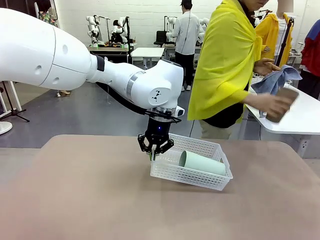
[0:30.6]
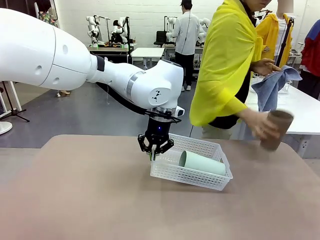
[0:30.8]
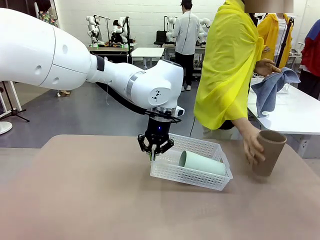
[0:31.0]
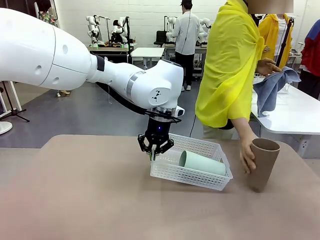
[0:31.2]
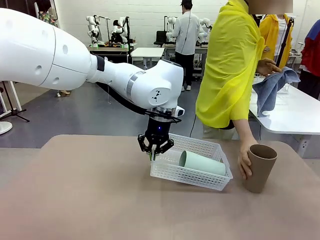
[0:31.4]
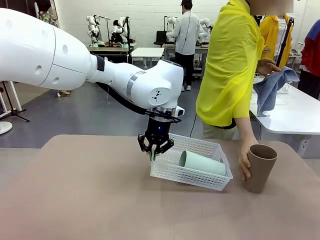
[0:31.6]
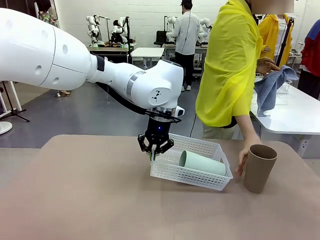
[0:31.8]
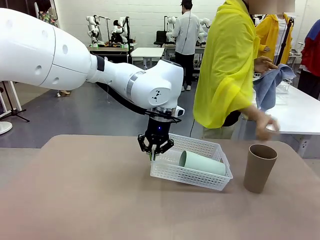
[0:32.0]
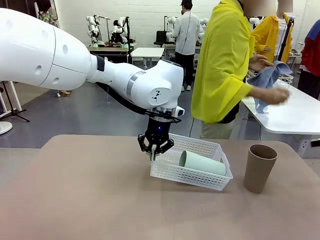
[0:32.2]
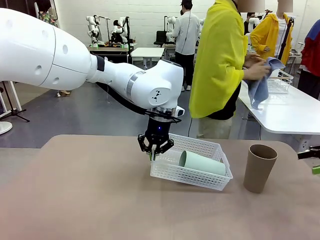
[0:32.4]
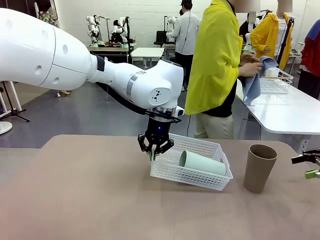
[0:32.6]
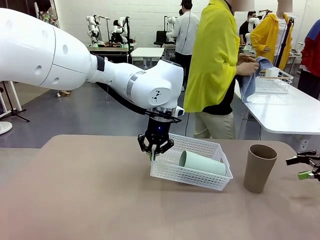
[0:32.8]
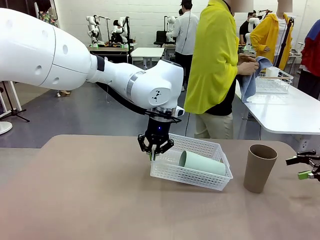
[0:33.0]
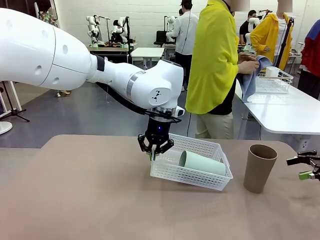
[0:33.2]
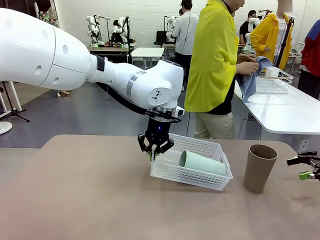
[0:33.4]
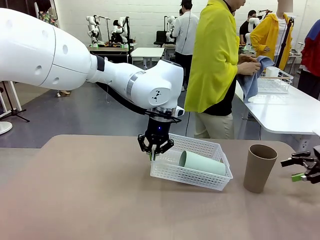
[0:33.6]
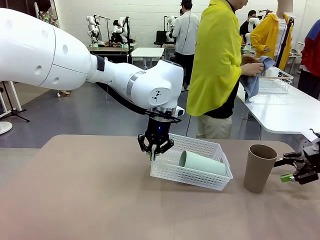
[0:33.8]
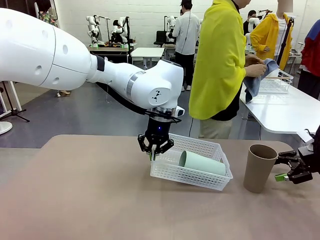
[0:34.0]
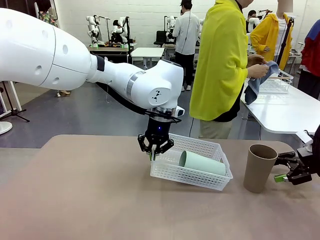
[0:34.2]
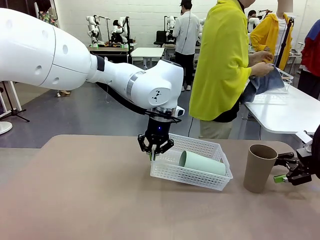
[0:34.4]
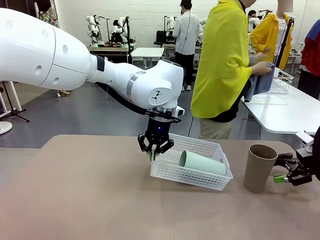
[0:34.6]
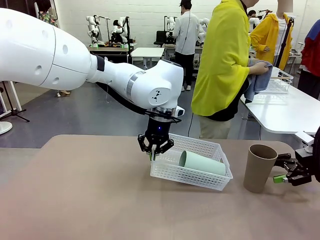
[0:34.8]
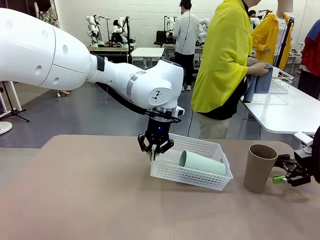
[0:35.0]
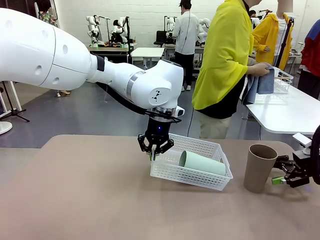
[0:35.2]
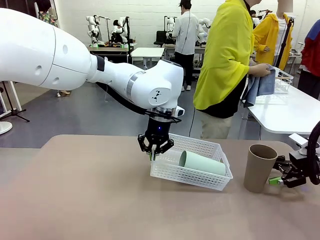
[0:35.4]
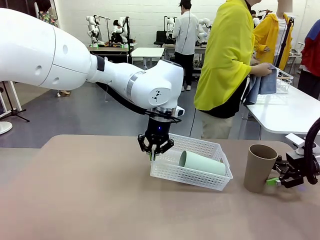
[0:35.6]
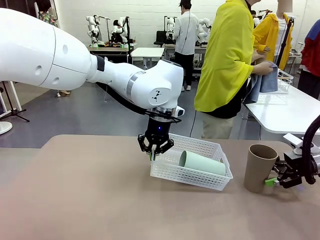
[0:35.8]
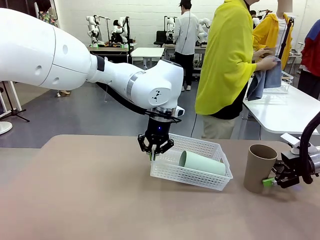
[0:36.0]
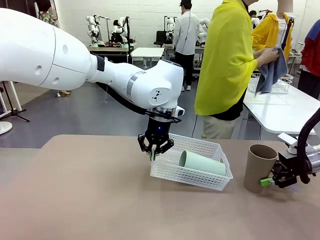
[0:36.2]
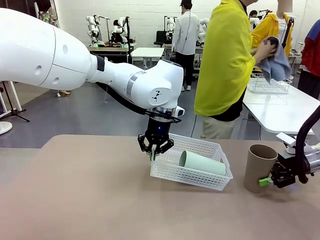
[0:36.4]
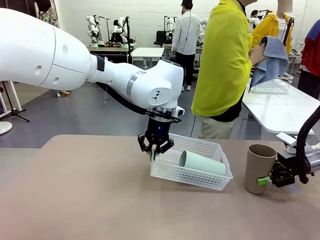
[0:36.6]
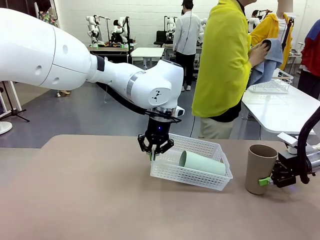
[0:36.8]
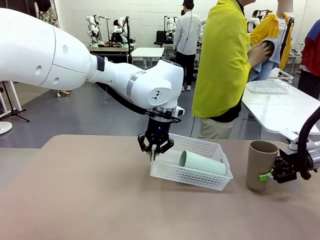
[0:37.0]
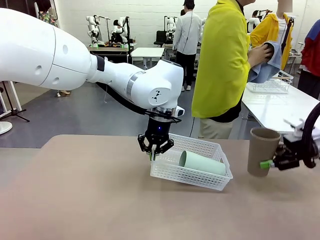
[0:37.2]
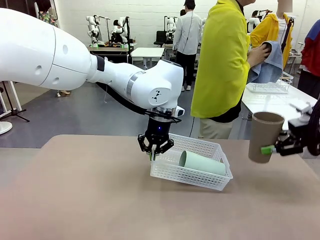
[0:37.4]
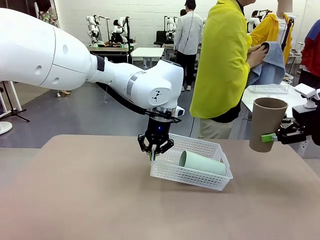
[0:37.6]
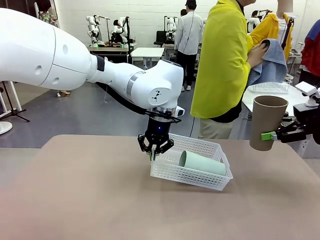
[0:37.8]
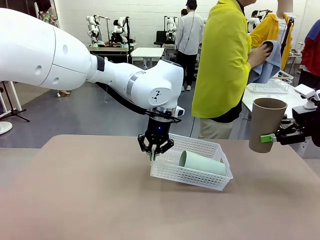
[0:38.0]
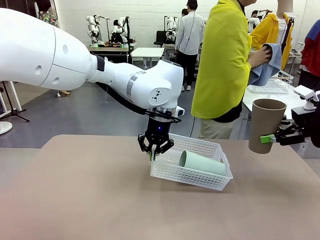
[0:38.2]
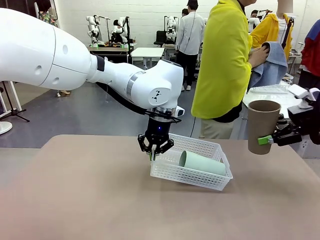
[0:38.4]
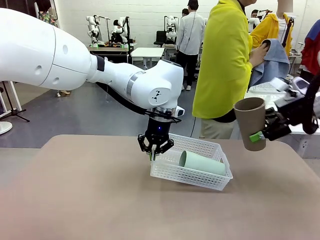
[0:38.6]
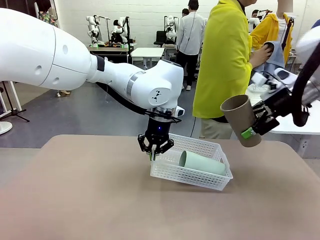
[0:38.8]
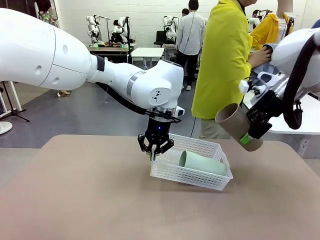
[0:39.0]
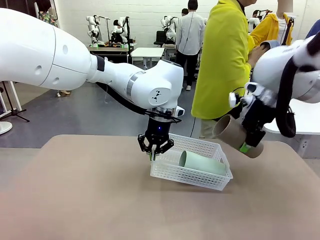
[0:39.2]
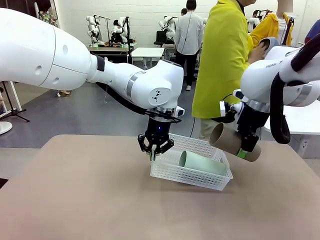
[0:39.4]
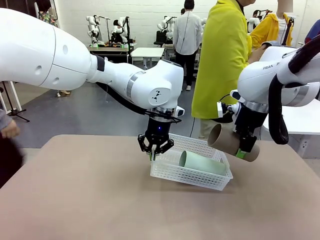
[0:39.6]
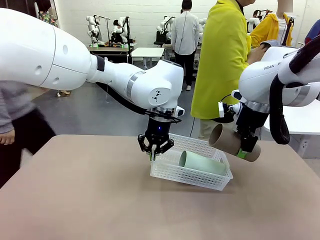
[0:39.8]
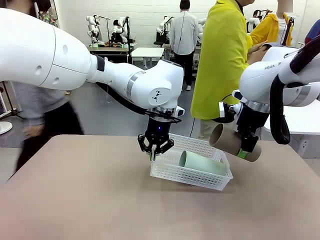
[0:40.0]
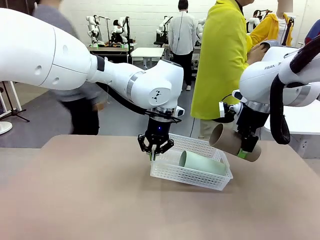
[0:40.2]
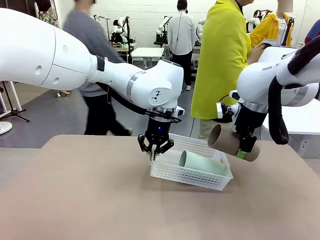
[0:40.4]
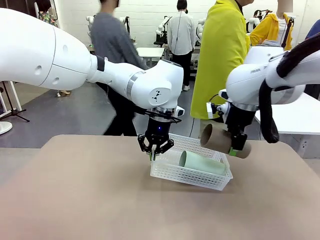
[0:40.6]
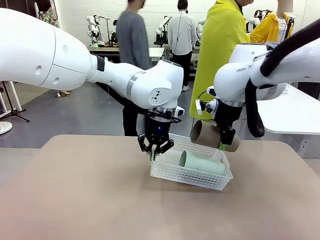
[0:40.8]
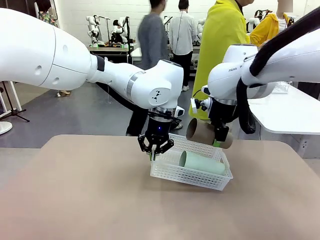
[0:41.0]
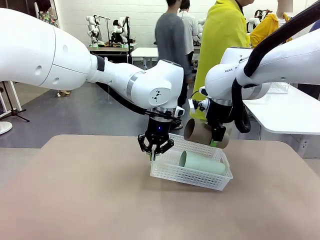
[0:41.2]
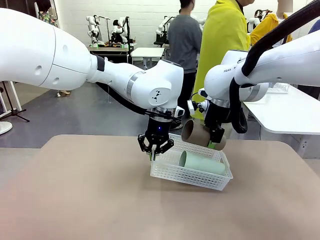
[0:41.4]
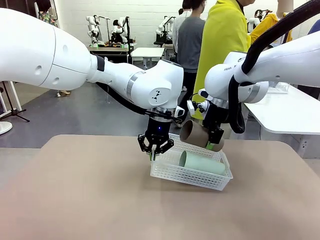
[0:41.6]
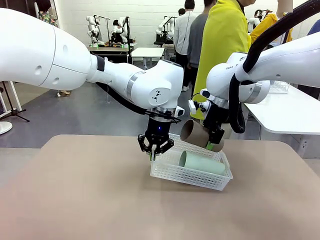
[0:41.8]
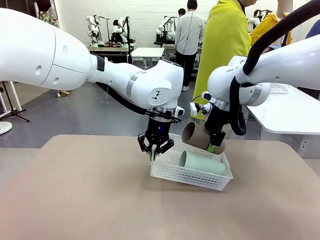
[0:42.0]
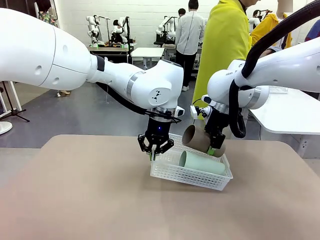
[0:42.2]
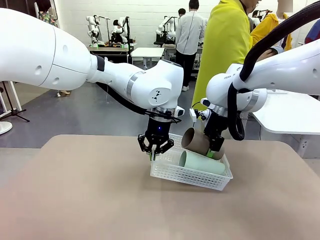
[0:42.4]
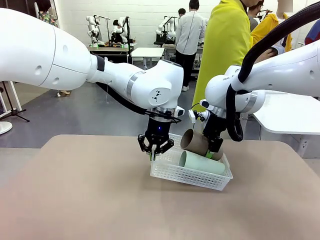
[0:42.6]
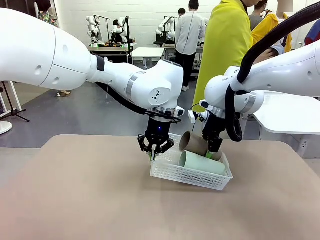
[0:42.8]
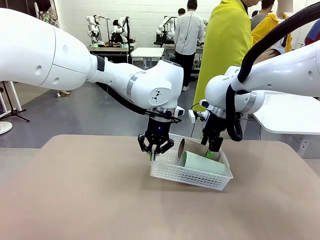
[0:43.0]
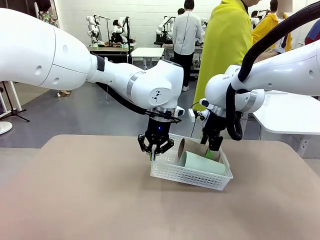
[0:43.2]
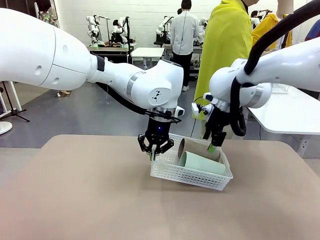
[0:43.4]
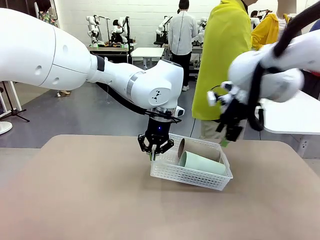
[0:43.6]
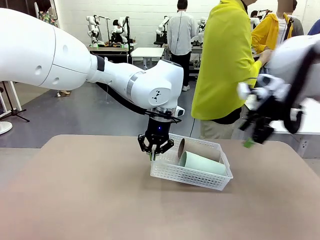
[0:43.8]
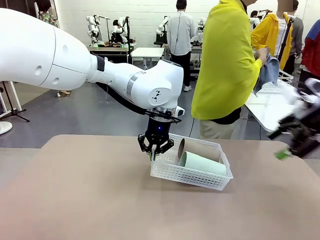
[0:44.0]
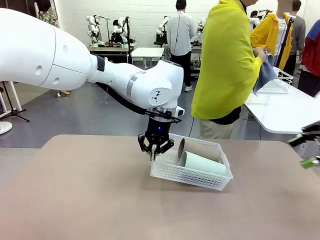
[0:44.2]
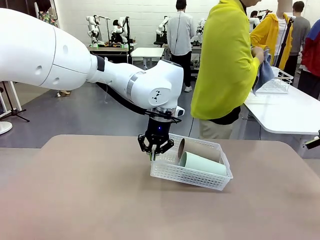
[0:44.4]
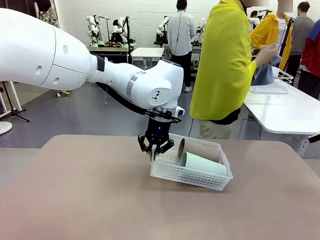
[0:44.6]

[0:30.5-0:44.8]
Task: Clean and organize the cups into the basket.
Robot: Pick up the Reusable plastic cup from the right side of the table and stack it inside the Organizing basket in the center of the table.
